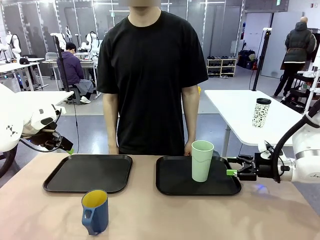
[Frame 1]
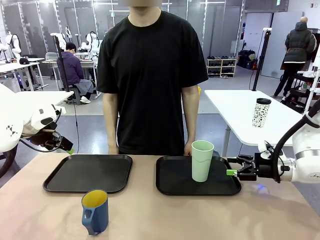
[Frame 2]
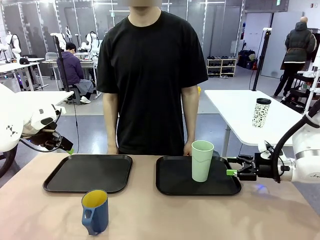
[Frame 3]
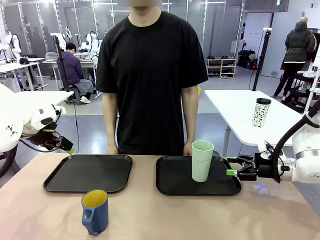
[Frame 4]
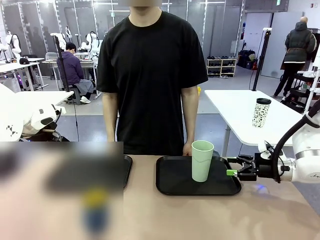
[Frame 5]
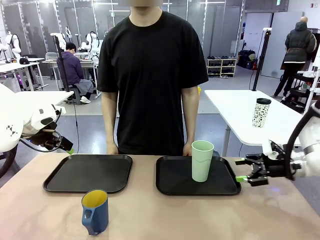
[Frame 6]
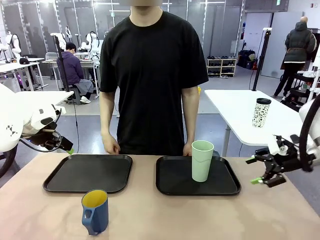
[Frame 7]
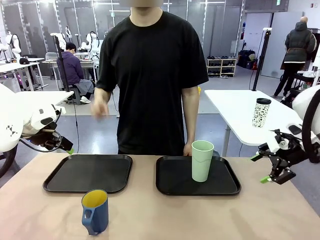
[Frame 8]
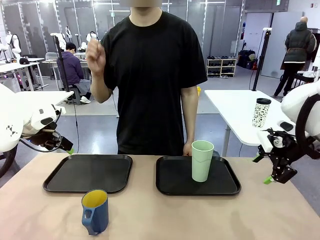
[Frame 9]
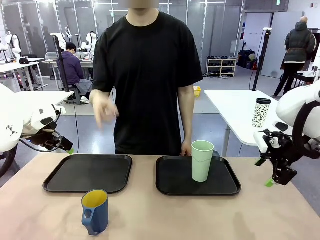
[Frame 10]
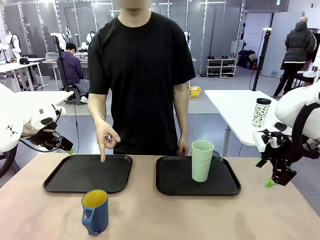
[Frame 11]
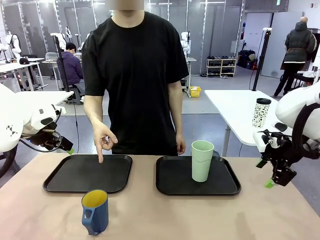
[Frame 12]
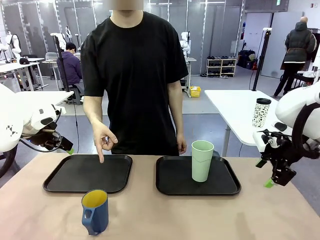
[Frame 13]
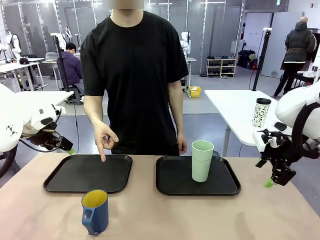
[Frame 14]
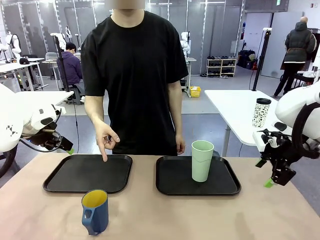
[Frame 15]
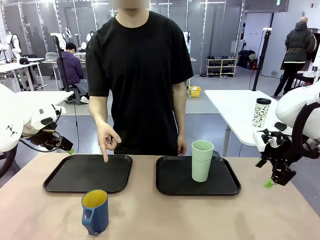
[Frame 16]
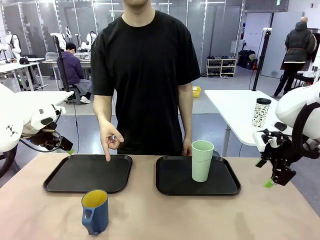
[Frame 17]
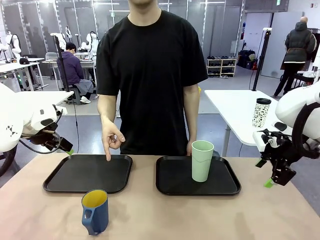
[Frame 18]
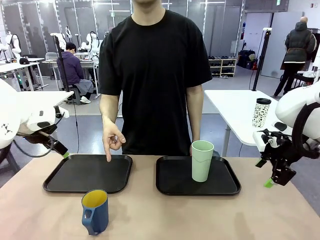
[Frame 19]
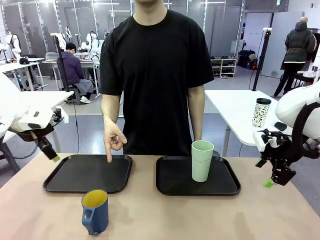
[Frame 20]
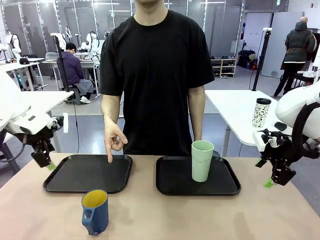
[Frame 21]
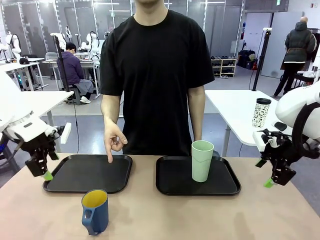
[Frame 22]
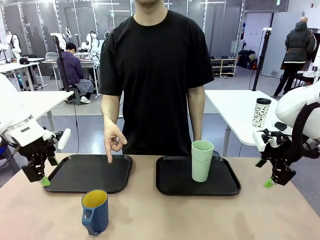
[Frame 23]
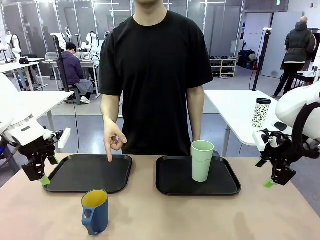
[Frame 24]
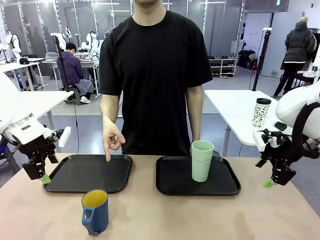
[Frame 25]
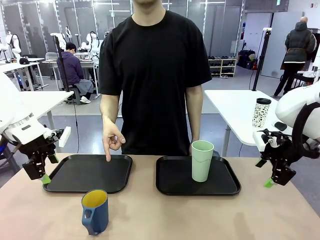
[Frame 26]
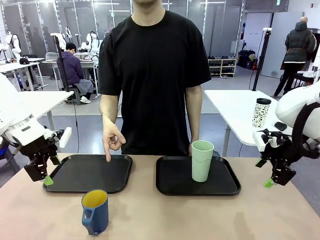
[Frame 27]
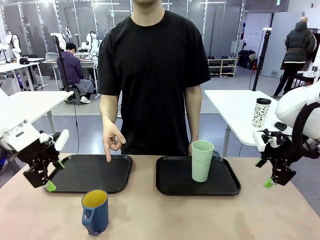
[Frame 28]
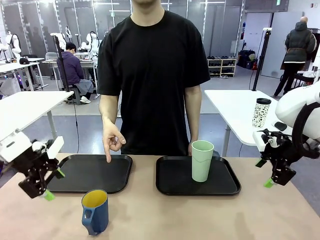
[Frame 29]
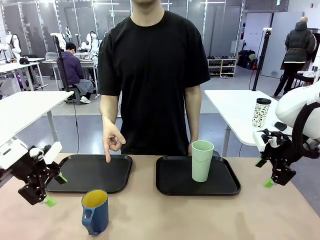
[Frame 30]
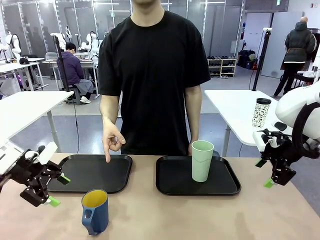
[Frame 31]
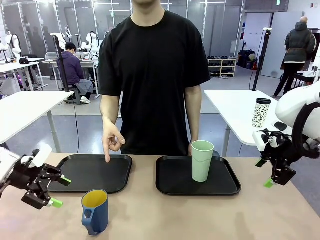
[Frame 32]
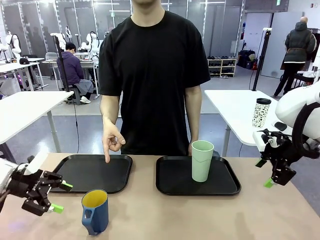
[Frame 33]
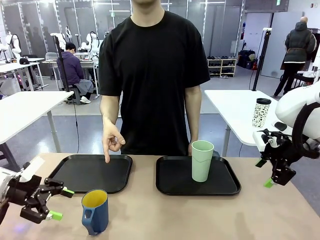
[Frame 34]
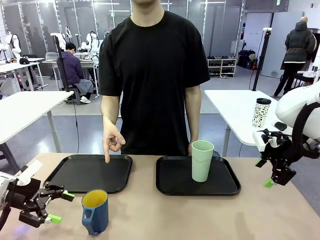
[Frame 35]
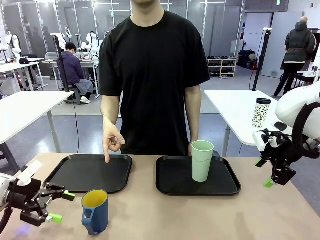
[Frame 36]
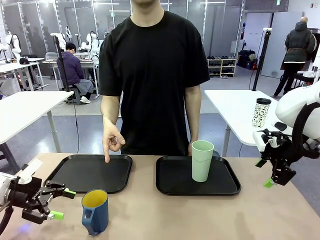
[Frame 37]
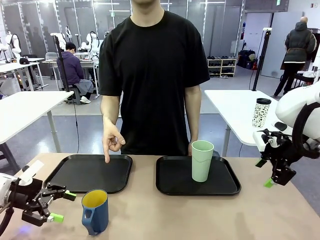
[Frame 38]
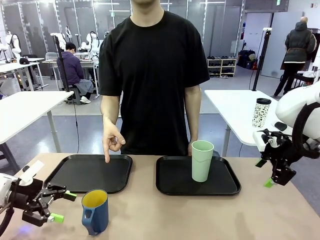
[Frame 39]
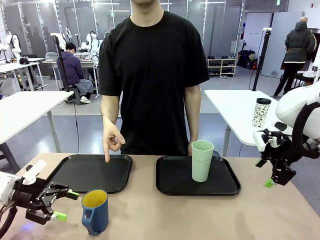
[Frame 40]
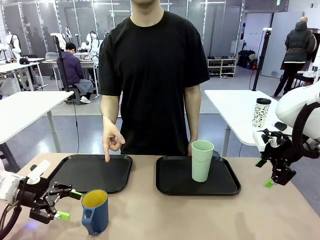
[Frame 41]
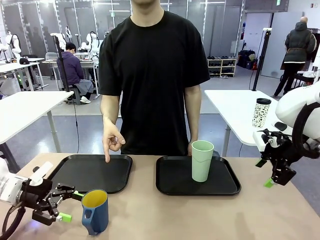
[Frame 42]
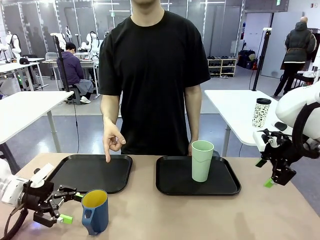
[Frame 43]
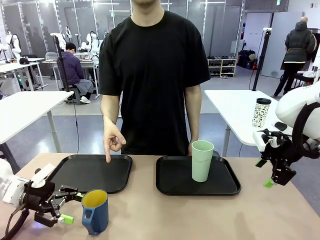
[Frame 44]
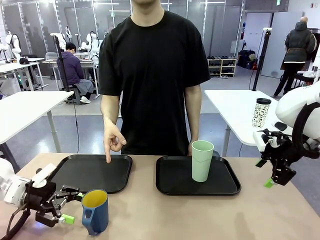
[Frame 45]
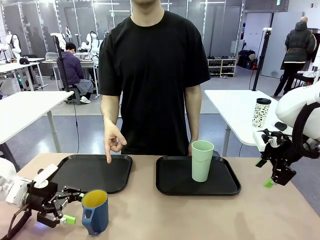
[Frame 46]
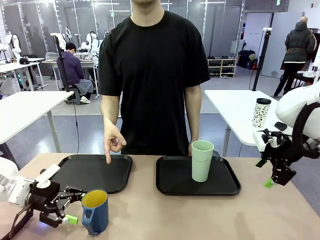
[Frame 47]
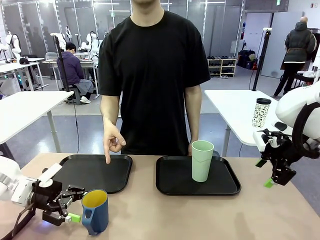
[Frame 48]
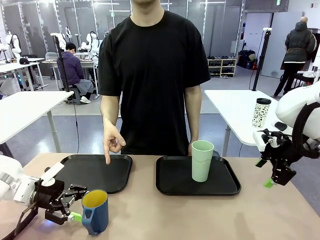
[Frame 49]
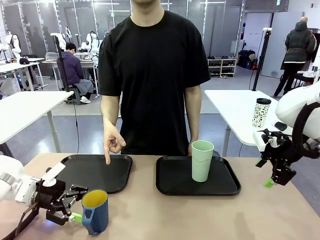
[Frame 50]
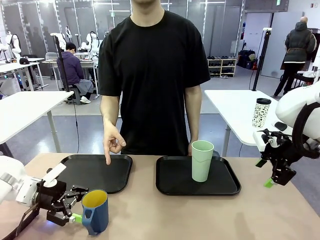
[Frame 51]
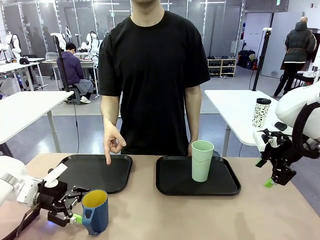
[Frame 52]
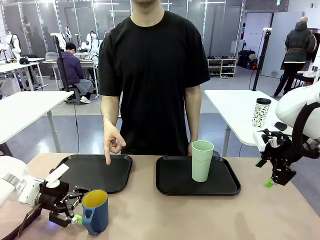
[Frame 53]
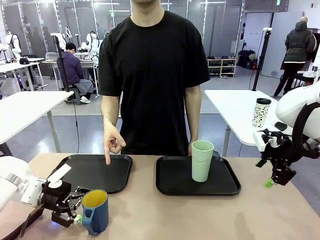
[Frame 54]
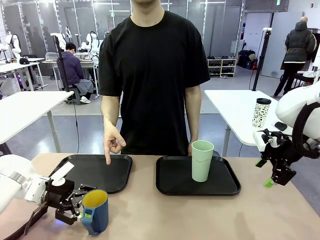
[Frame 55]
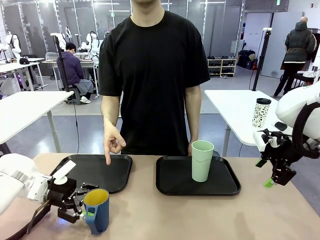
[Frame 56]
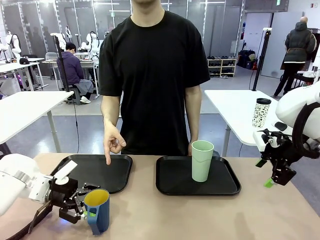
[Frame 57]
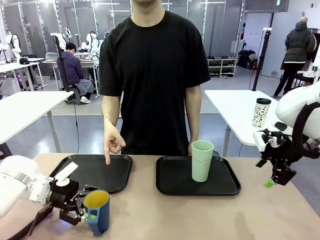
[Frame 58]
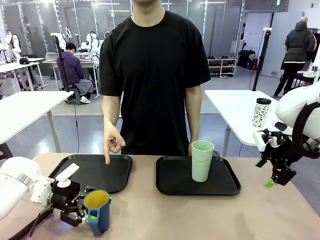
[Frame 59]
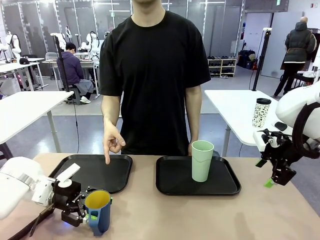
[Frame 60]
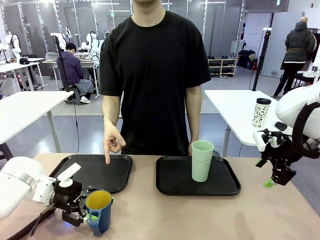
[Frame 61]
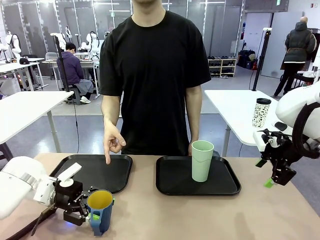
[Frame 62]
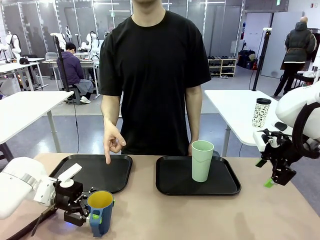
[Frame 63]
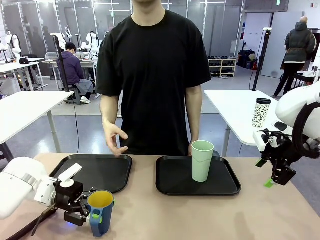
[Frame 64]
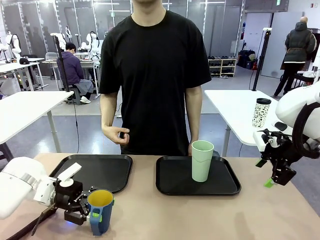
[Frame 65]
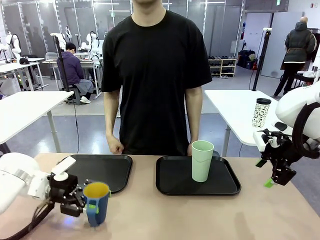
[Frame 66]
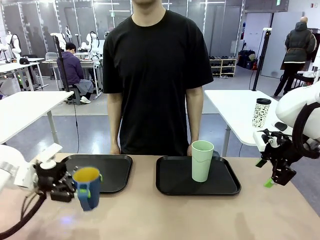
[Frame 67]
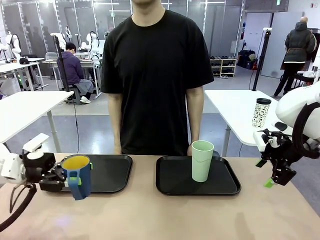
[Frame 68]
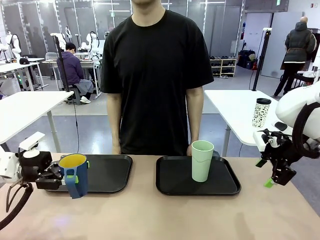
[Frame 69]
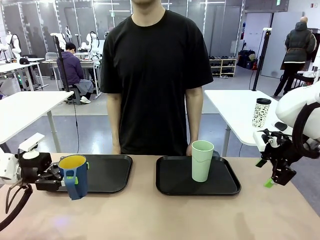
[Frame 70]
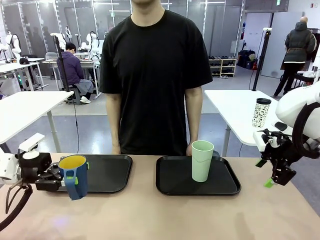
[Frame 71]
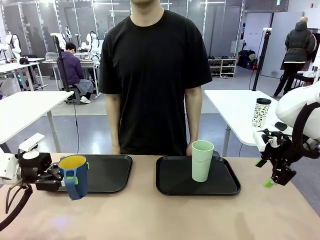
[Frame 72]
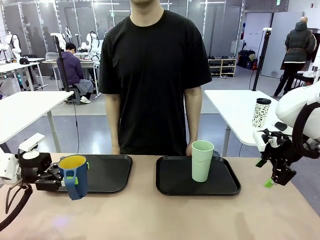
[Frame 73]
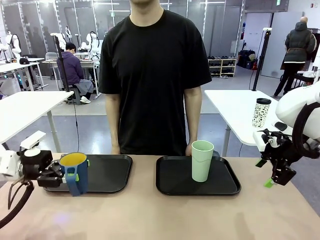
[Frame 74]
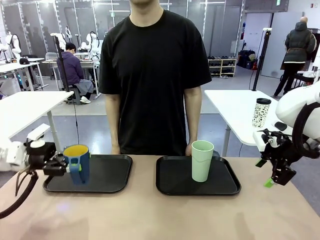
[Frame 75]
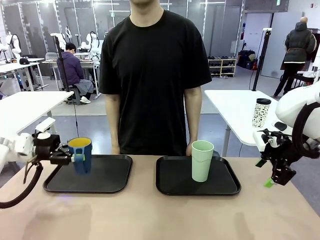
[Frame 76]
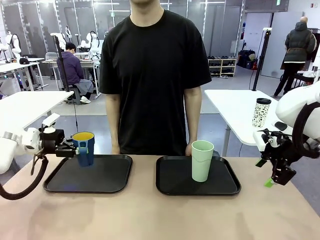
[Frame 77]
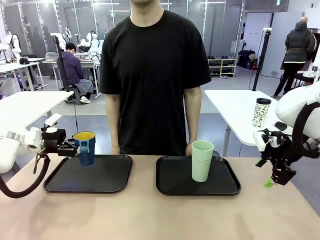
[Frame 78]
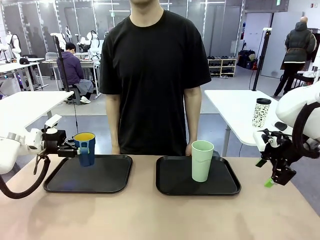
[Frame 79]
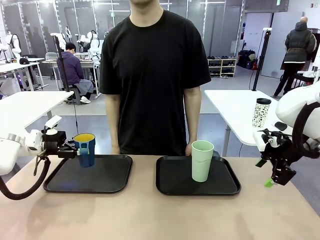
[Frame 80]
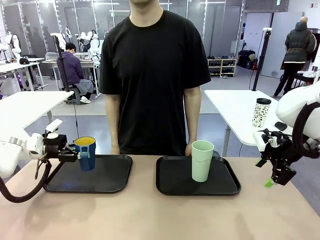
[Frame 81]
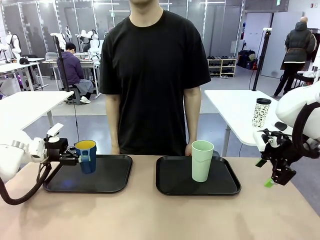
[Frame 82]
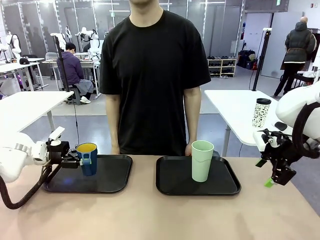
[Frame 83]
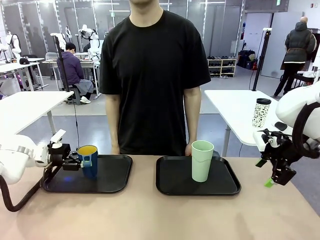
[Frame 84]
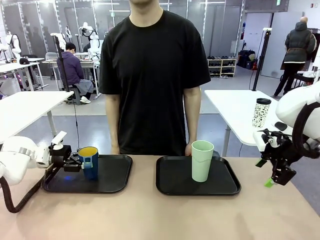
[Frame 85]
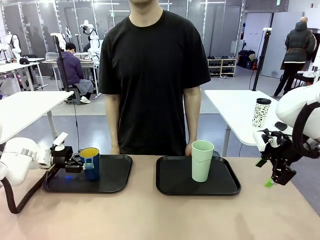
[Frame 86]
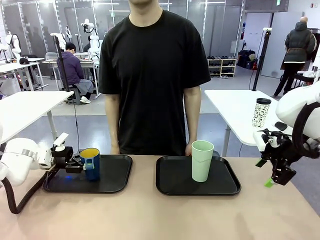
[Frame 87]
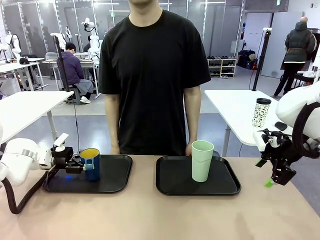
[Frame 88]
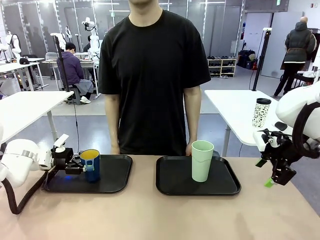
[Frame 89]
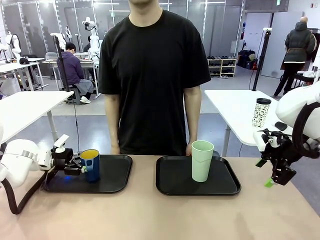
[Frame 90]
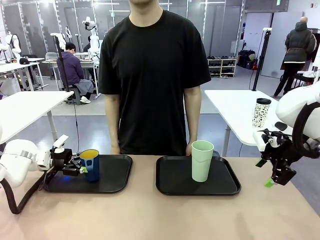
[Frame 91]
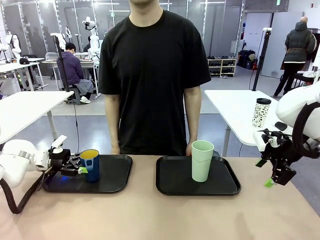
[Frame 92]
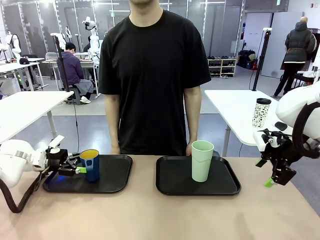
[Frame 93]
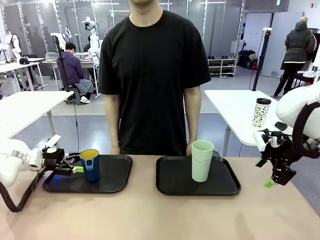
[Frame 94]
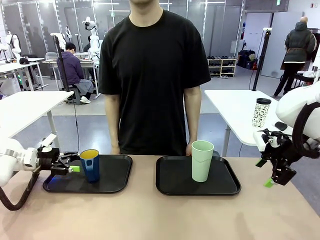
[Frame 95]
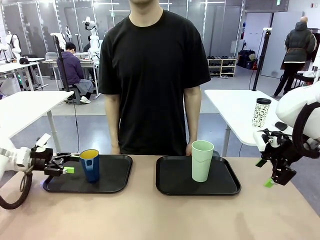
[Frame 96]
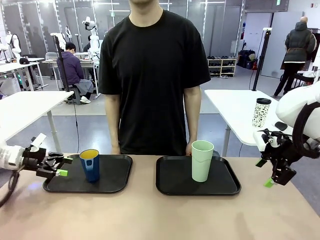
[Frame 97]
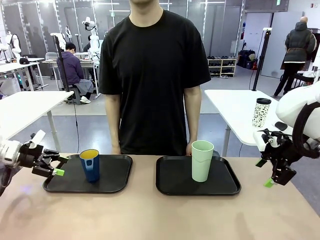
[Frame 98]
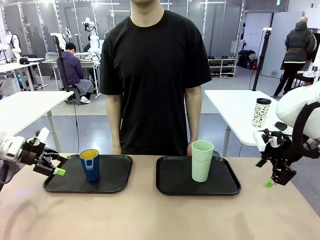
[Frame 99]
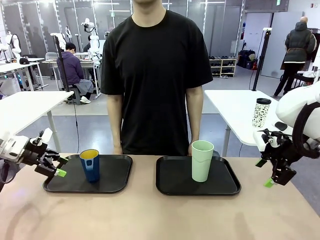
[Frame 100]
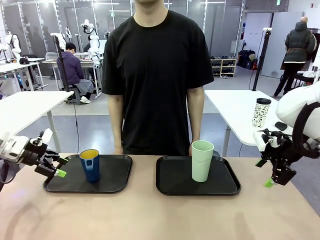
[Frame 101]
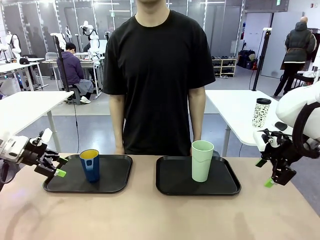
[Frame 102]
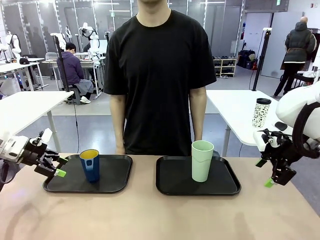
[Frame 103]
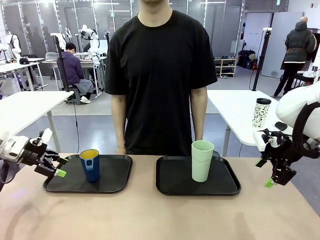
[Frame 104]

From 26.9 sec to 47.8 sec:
Task: Sort and store the cups by type.
Robot: Pick up the Handle plastic cup and place it into the empty Flat Tray.
Person: Points to the cup with a handle.
